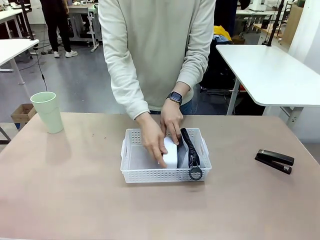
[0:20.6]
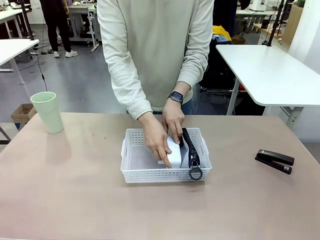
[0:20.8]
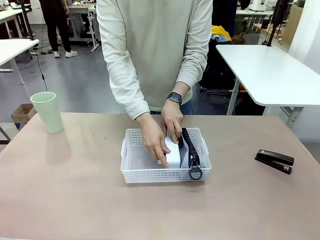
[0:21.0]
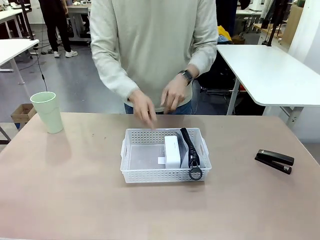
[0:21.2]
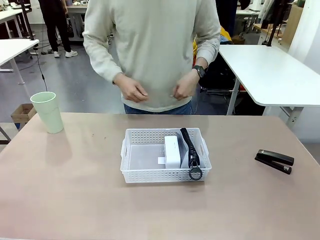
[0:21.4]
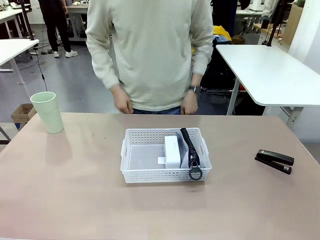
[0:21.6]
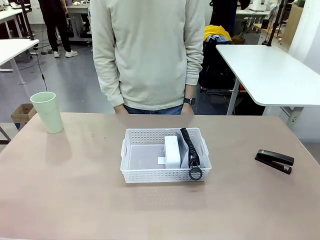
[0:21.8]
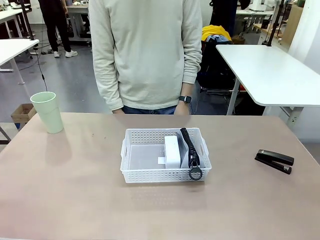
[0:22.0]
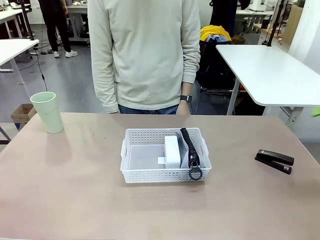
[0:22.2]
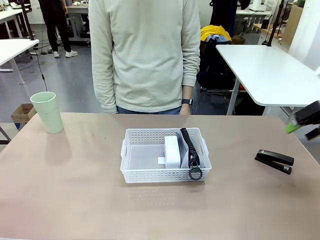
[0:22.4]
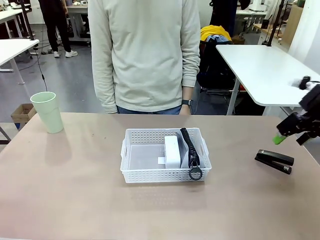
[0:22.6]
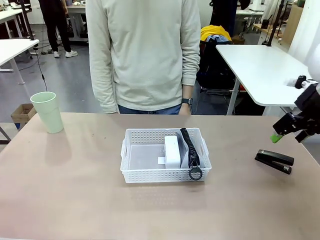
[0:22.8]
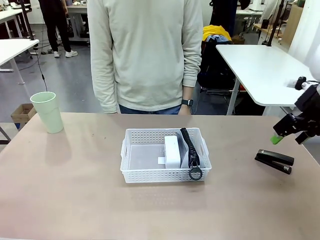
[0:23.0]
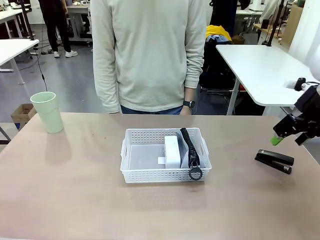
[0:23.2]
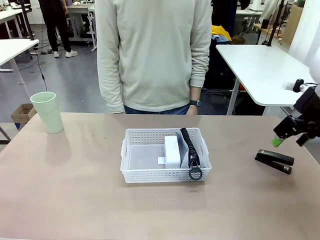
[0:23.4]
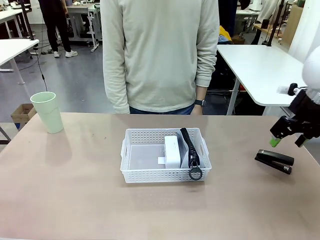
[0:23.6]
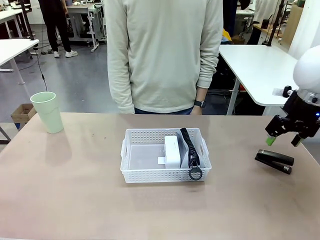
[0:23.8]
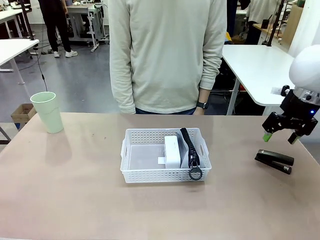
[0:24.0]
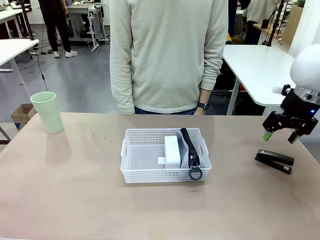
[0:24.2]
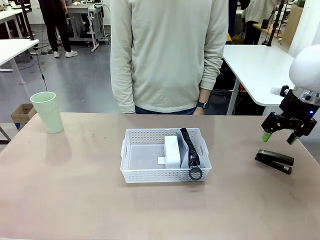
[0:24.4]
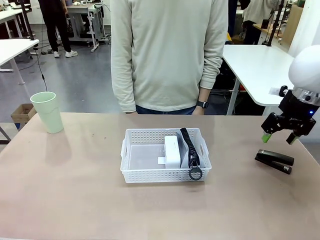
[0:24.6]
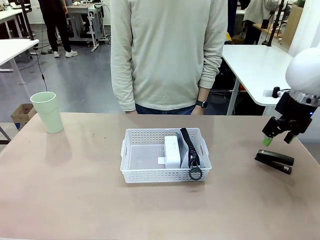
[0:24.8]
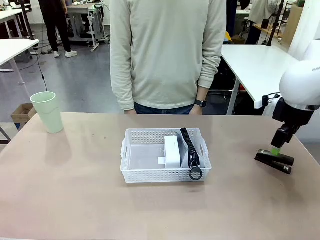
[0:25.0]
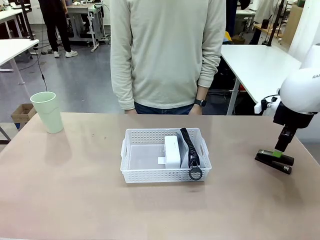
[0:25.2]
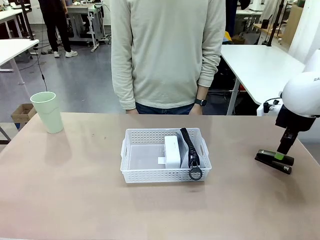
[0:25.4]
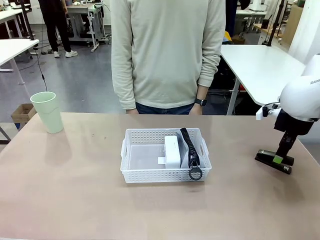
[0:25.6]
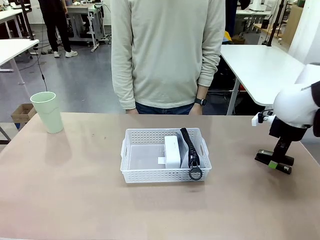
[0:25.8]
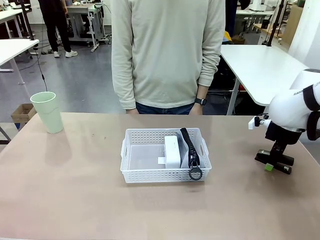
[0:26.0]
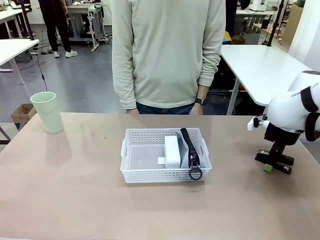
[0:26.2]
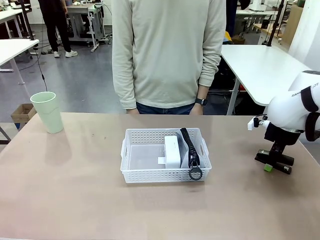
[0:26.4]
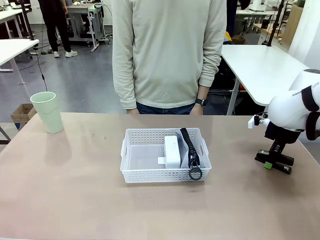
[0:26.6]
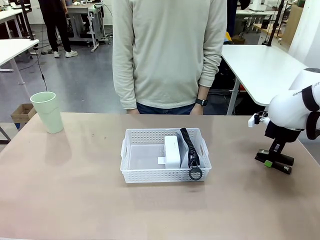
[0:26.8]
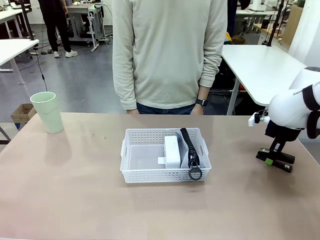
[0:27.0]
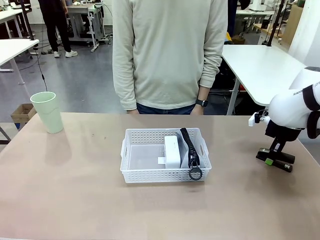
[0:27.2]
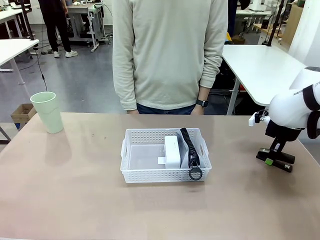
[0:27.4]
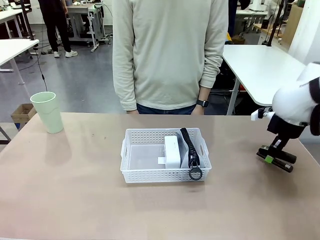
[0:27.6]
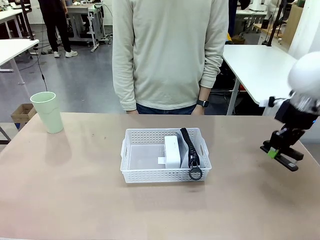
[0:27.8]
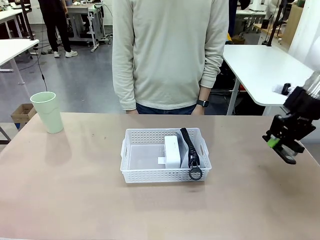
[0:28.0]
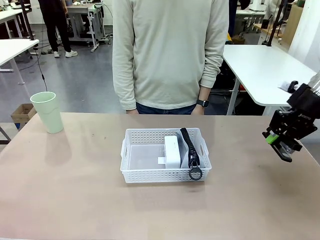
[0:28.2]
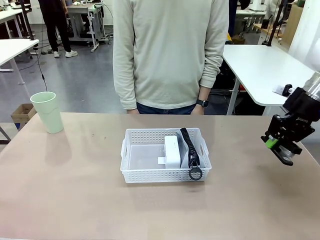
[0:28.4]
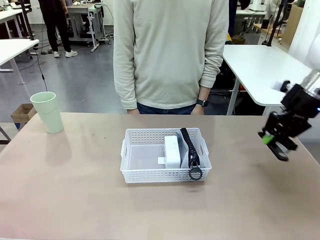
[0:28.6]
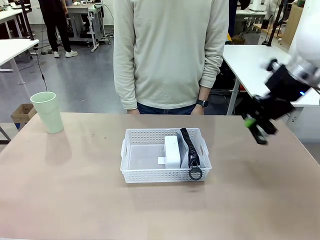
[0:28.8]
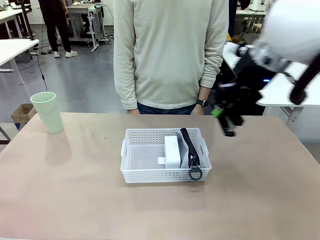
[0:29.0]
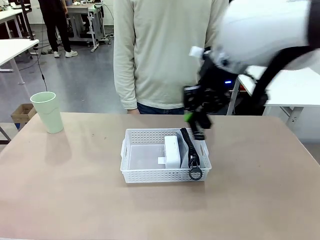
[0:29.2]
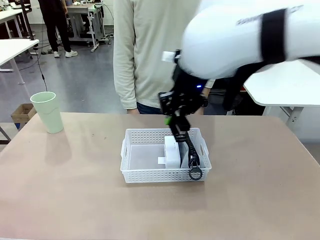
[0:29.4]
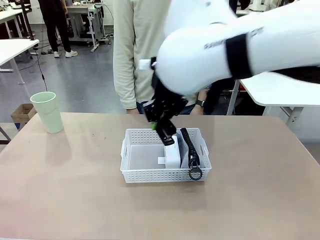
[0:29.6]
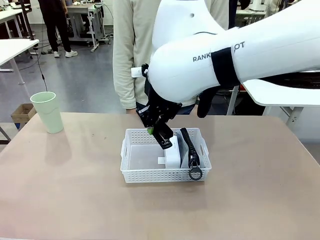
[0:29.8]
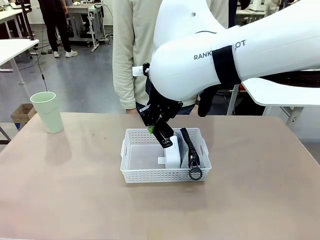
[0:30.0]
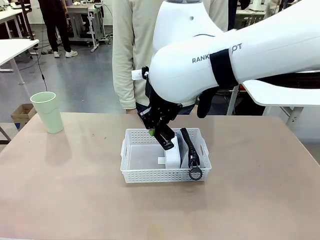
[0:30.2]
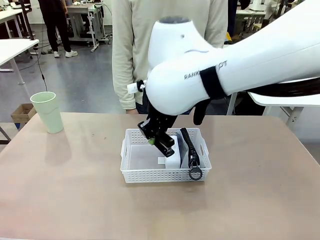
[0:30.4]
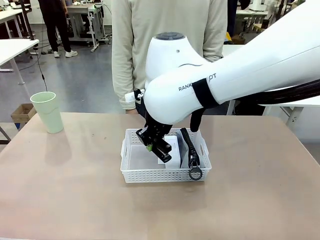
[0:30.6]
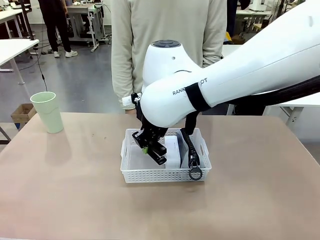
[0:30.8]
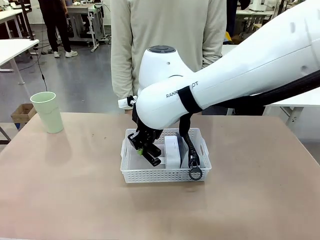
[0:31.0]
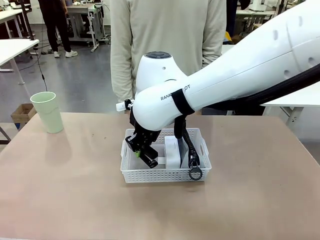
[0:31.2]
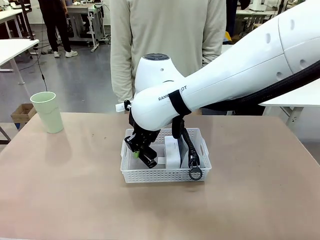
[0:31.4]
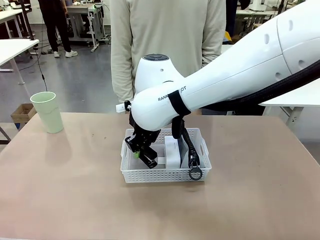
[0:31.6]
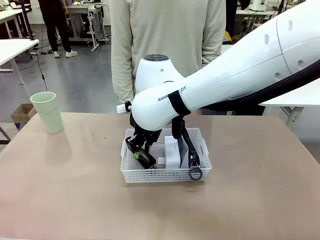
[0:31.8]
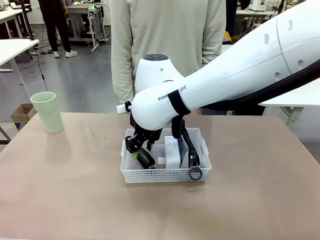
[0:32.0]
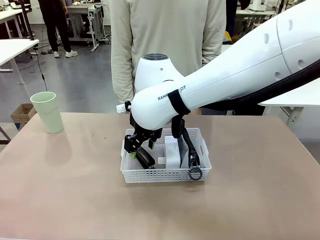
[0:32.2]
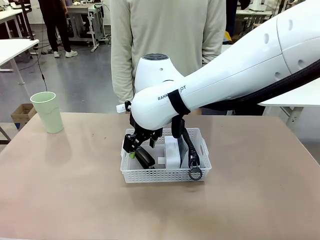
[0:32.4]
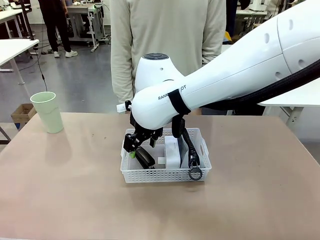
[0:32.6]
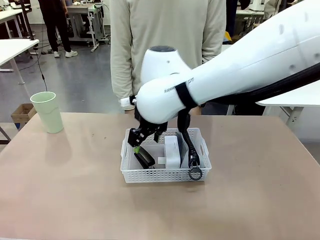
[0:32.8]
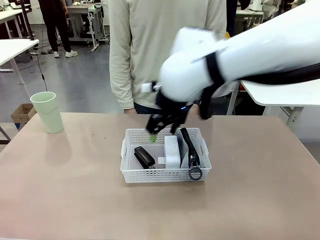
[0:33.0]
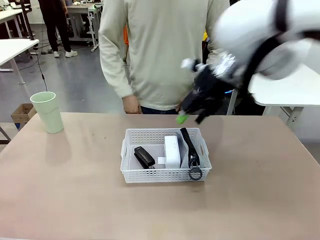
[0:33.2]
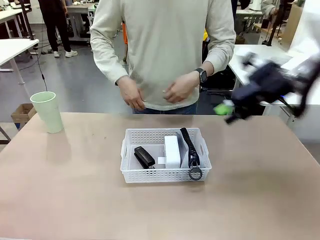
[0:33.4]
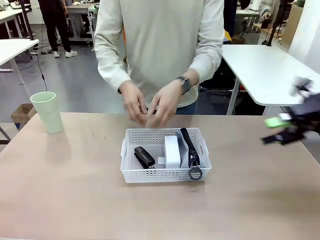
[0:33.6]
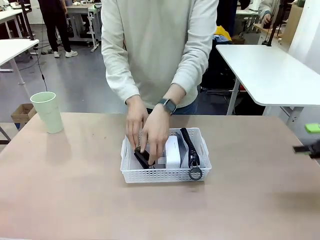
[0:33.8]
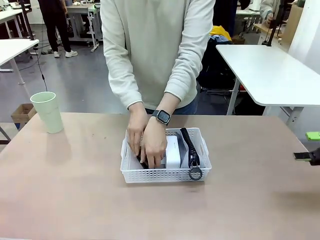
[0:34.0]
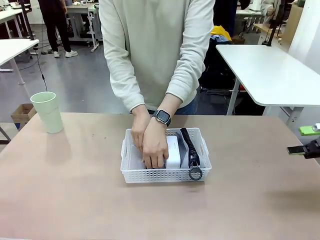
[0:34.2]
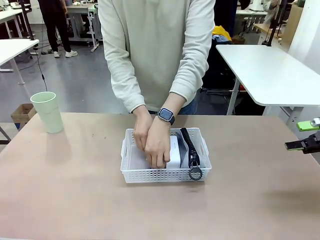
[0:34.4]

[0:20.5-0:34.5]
Task: Efficiently arrange items inside the basket to fit them all.
Robot: Pick up the Stapler and place it inside the Organizing basket.
